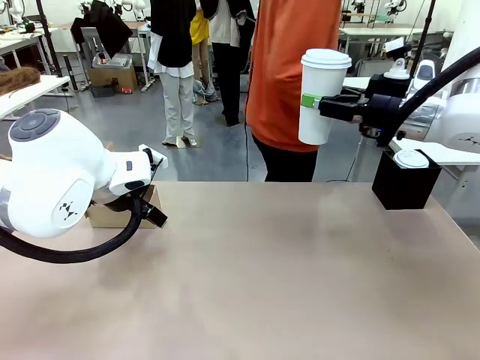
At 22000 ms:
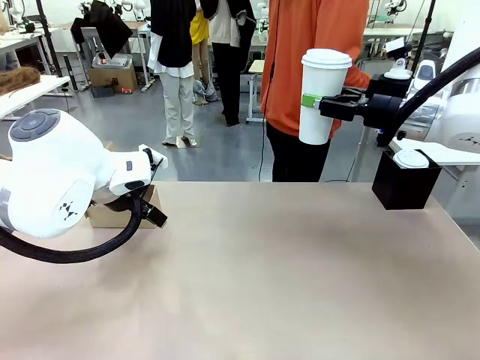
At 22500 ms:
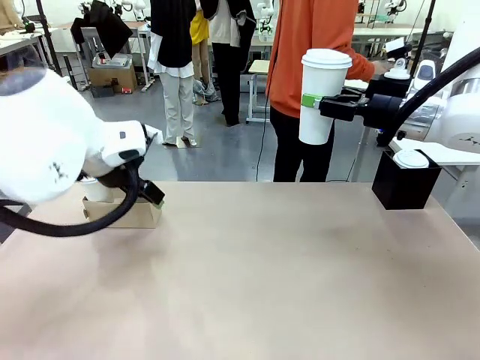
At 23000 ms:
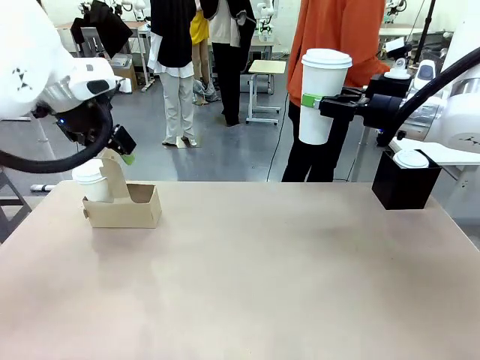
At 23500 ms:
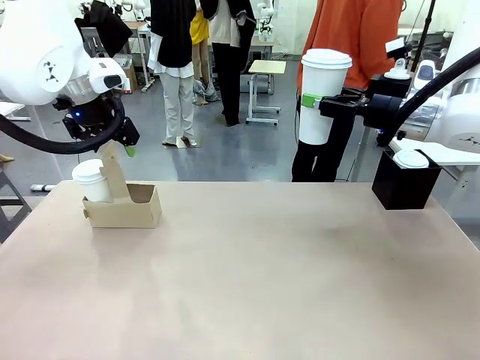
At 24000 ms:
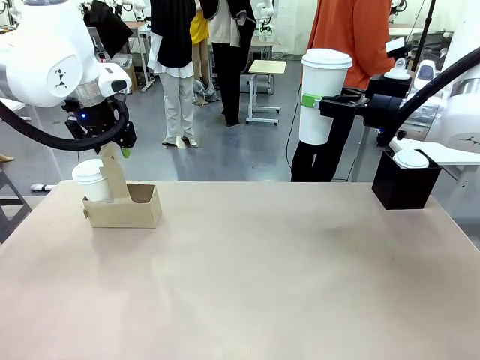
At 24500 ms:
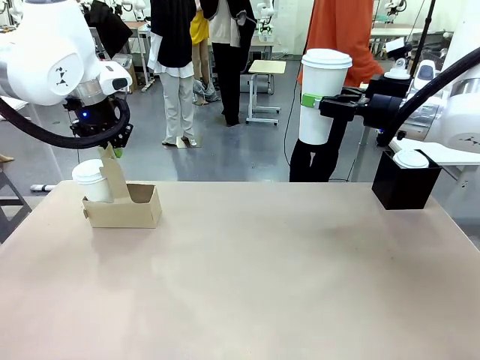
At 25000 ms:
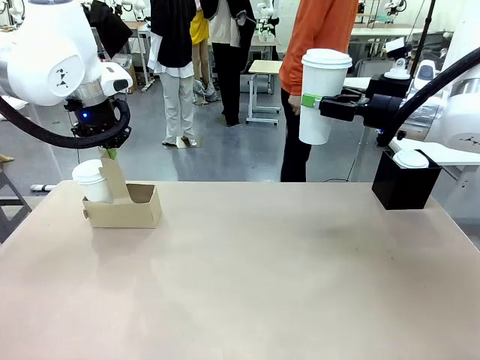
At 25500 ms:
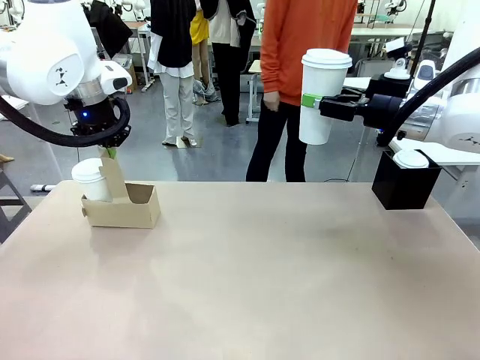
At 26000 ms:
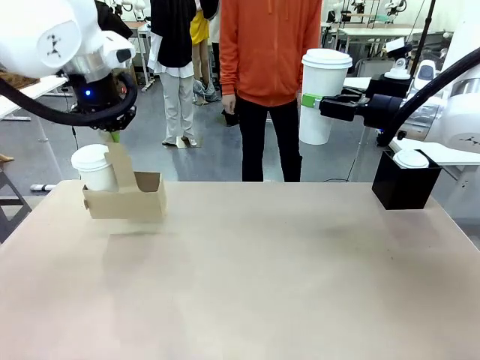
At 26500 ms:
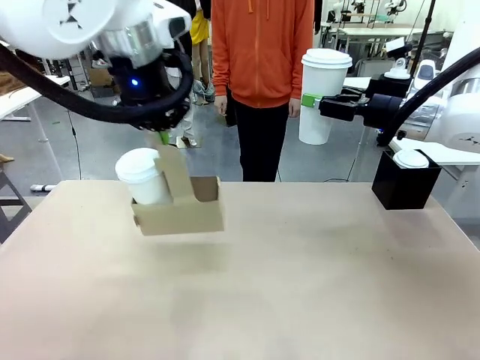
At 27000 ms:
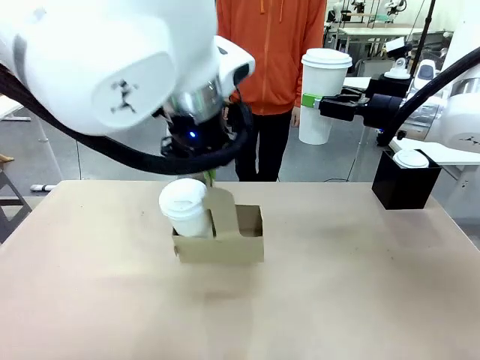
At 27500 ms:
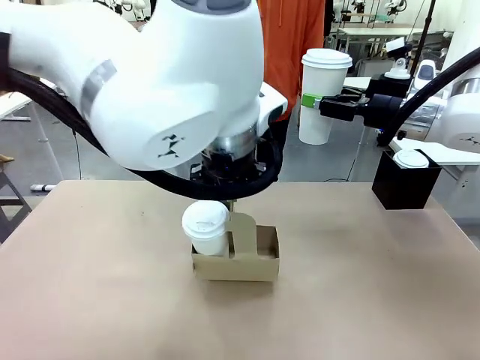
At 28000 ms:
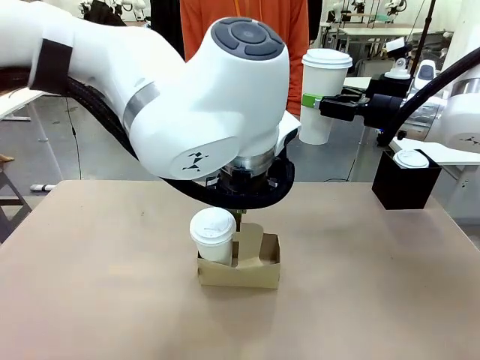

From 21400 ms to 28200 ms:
Task: Pour a drink into a cup and package it in a carrier.
Robot: Position the Cup Carrier in the center of the table.
Person: Pick up the Filter Brewing and place on the middle of Human table, and return to the Robot table.

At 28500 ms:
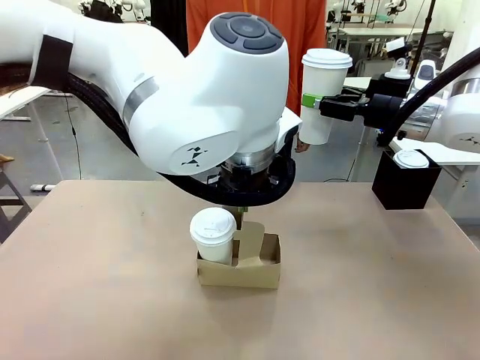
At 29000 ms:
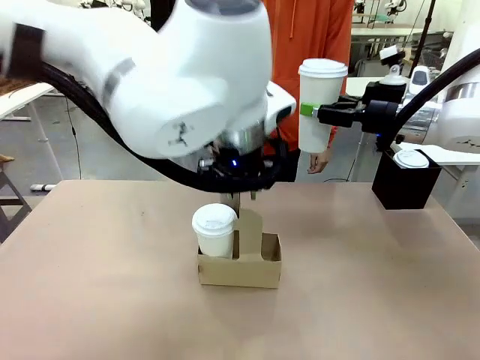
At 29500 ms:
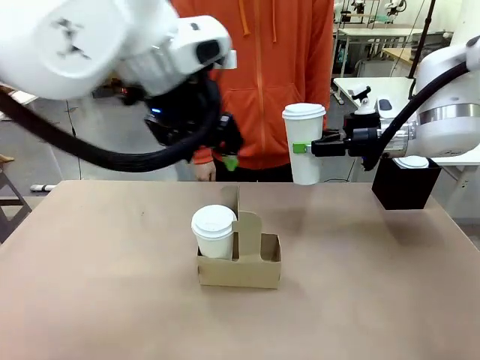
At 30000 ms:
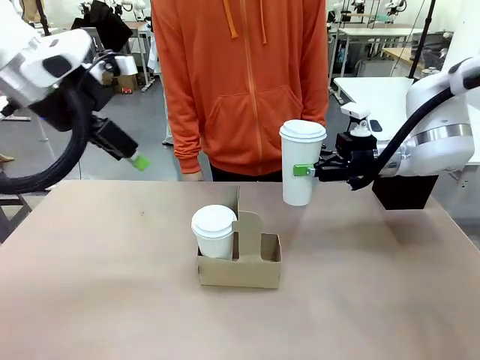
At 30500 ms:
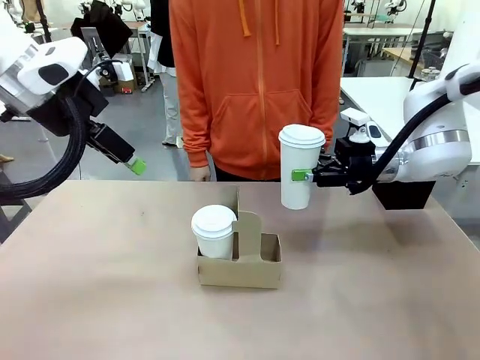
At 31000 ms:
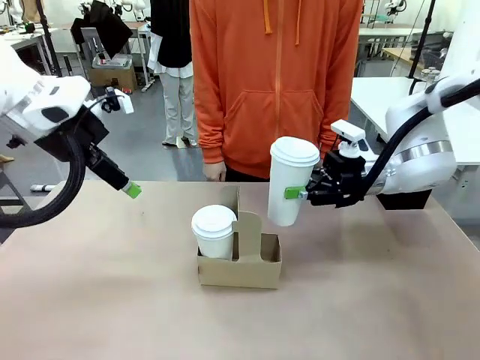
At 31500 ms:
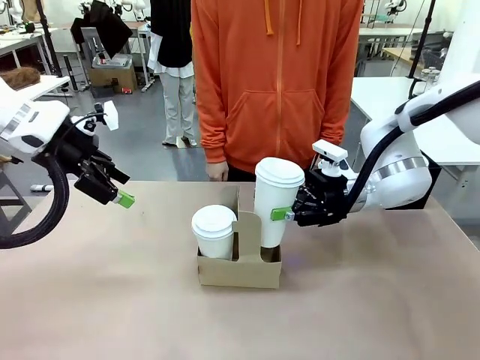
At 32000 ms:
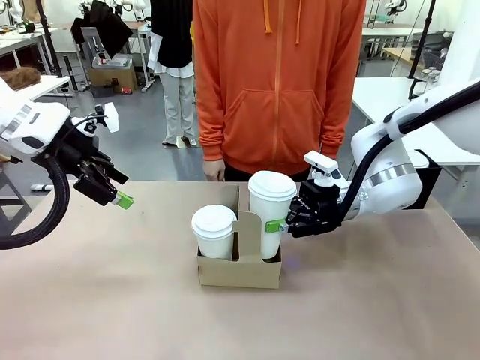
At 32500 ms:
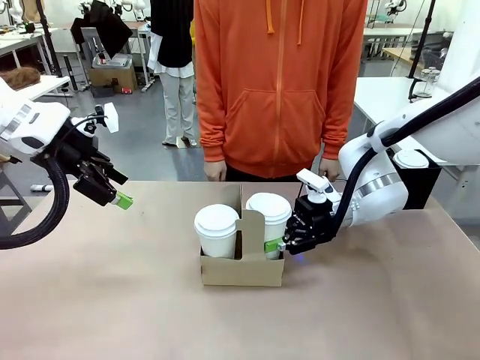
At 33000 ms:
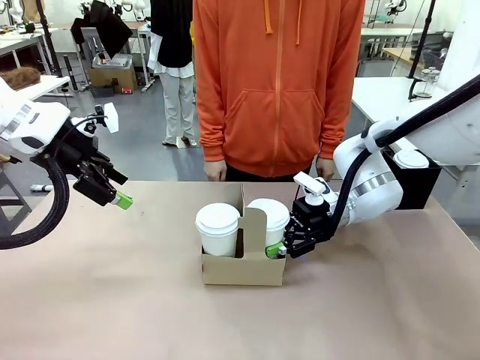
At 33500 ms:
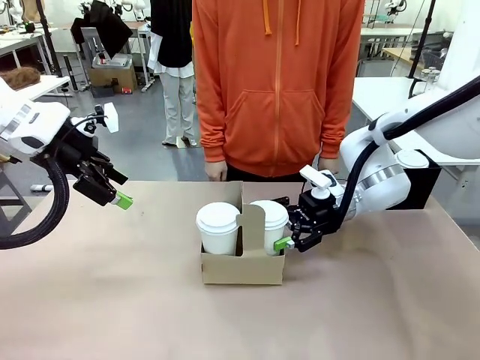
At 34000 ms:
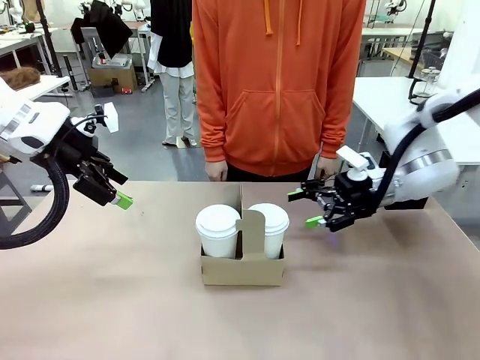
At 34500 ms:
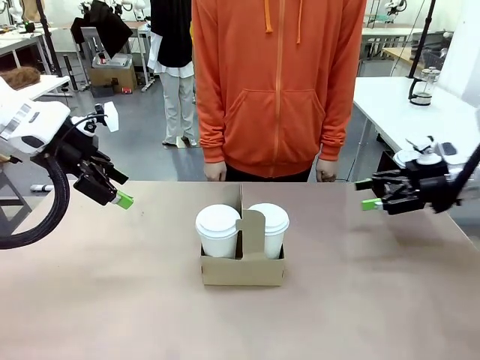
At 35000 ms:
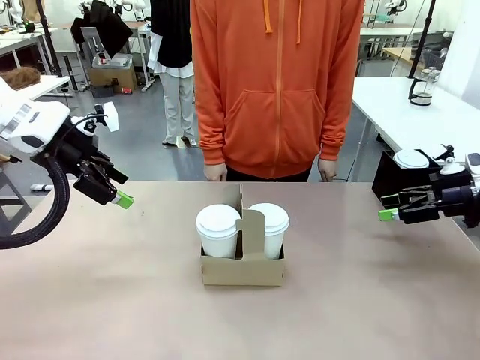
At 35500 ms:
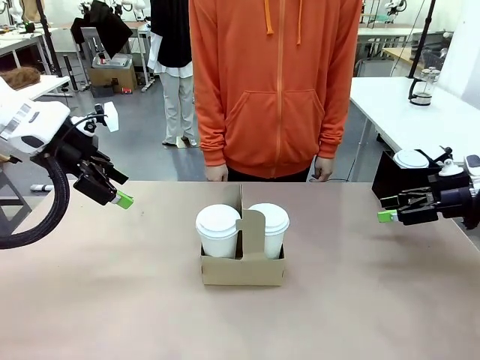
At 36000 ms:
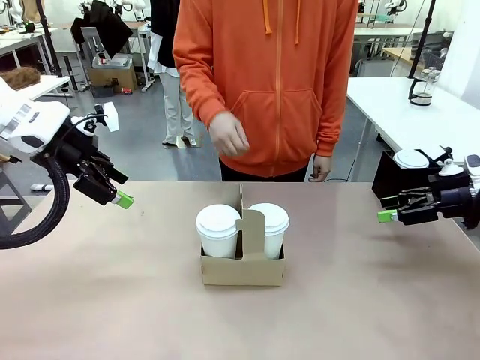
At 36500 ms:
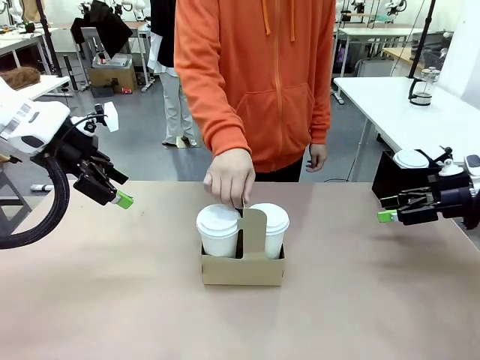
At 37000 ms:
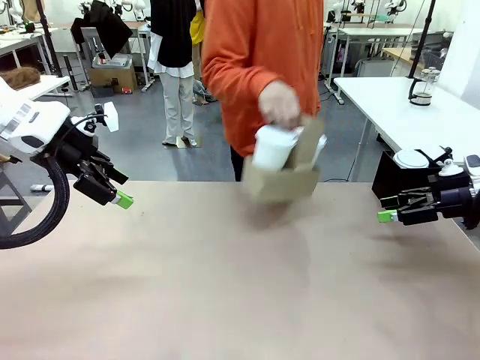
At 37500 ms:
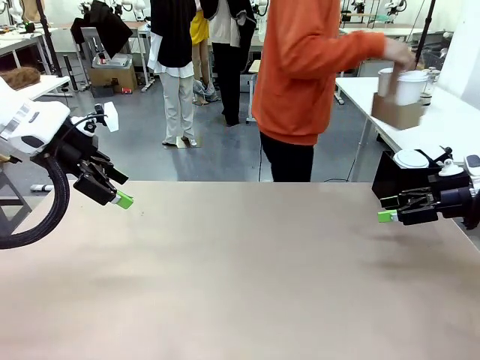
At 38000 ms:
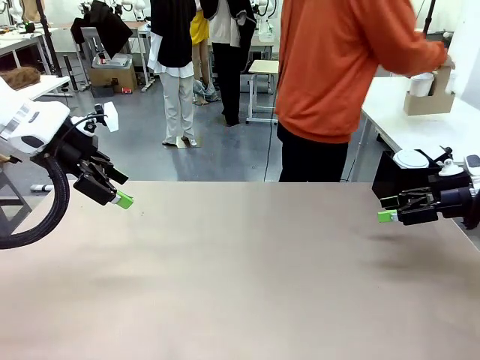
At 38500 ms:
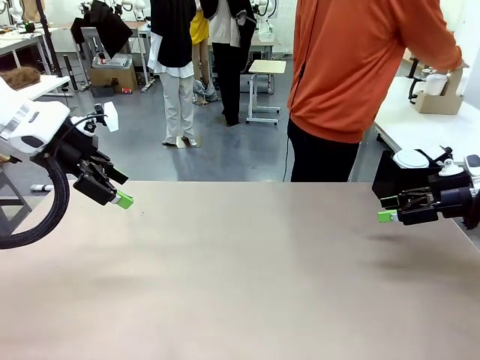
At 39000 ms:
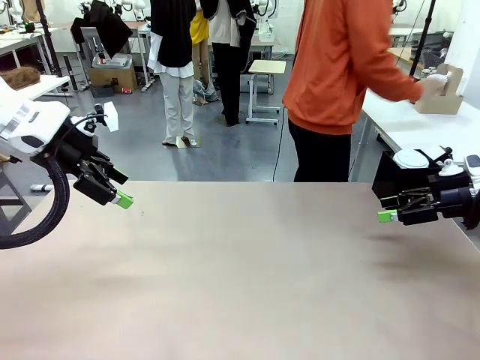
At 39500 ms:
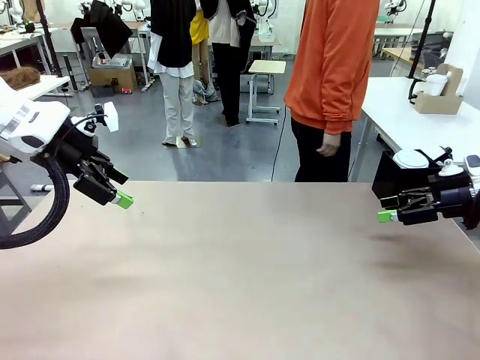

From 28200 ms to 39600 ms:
Robot: Insert the held 600 ml Paper Cup into the Cup Carrier.
Person: Place the Cup Carrier to the middle of Human table.

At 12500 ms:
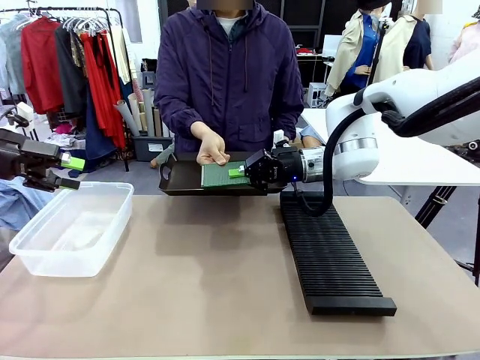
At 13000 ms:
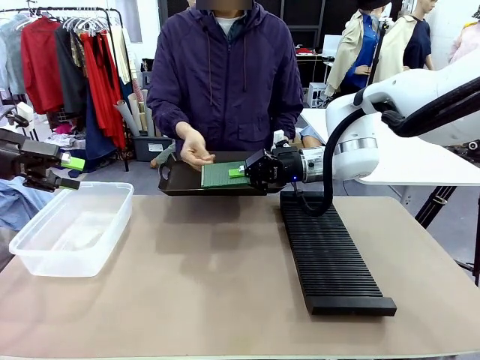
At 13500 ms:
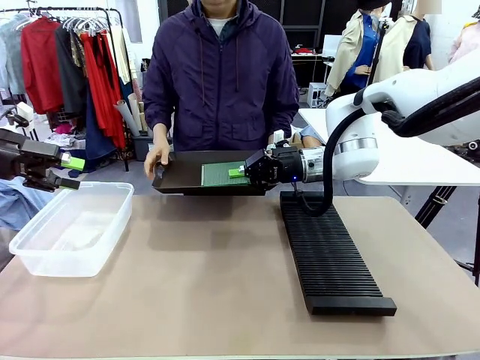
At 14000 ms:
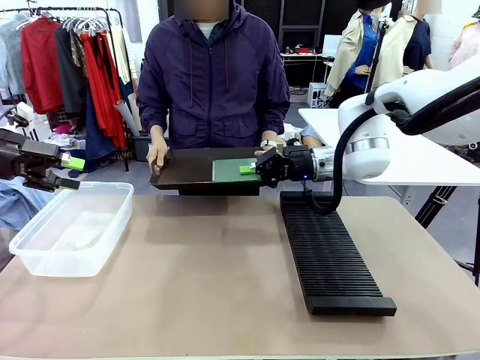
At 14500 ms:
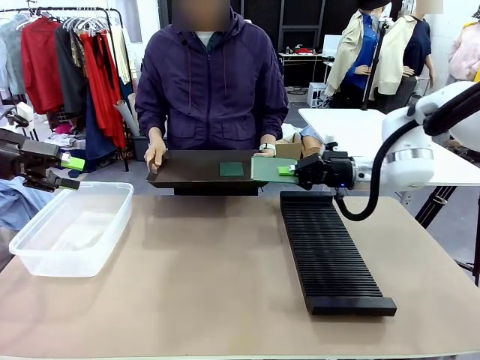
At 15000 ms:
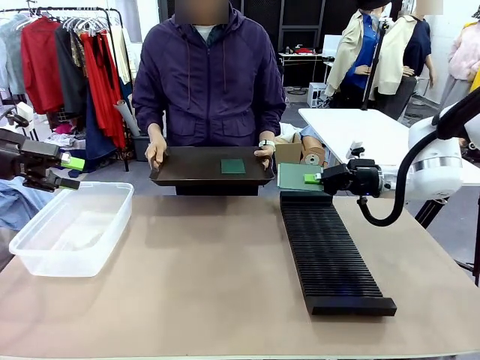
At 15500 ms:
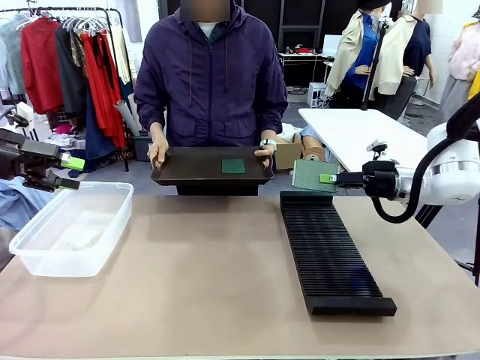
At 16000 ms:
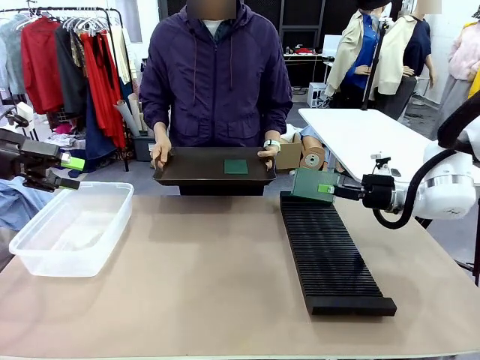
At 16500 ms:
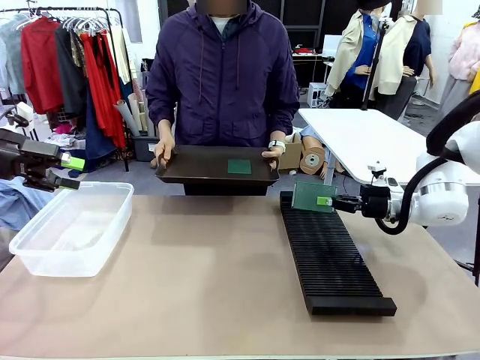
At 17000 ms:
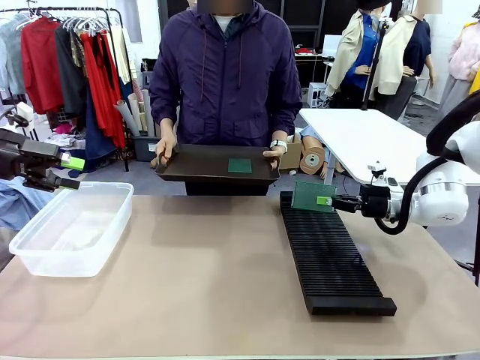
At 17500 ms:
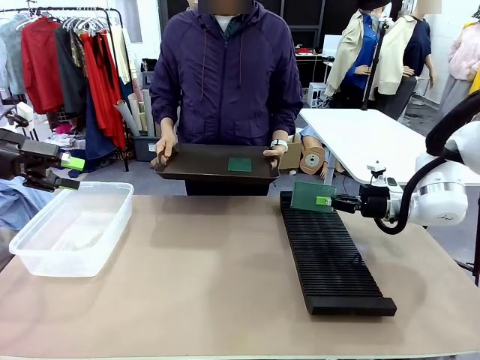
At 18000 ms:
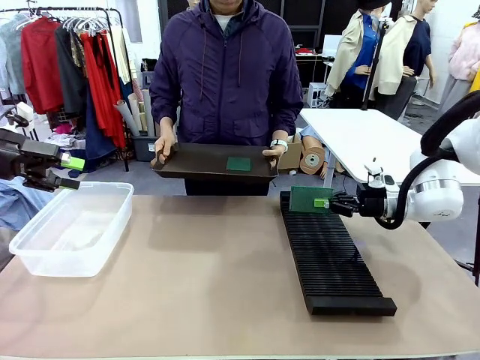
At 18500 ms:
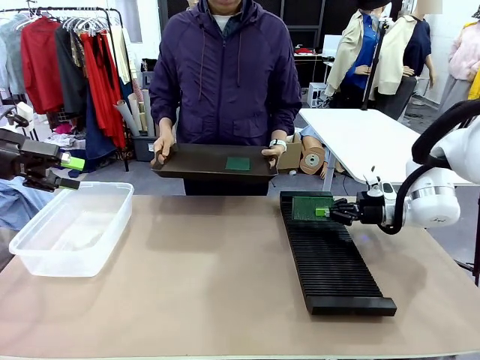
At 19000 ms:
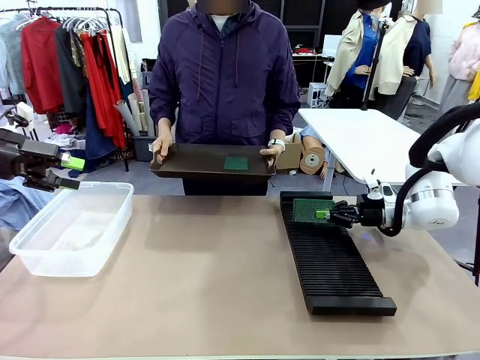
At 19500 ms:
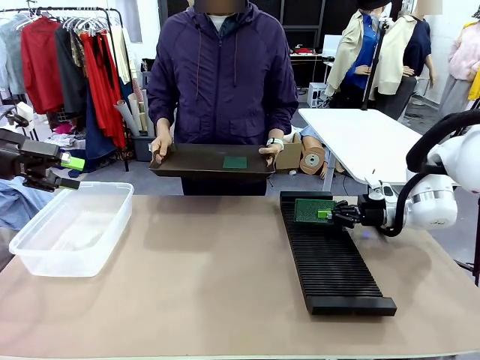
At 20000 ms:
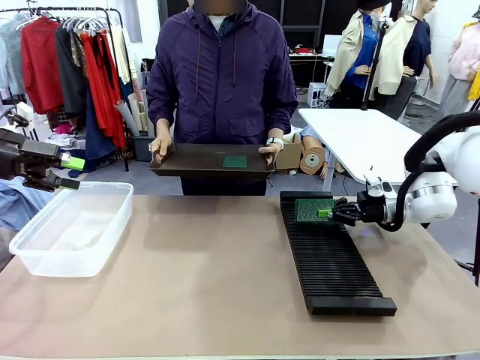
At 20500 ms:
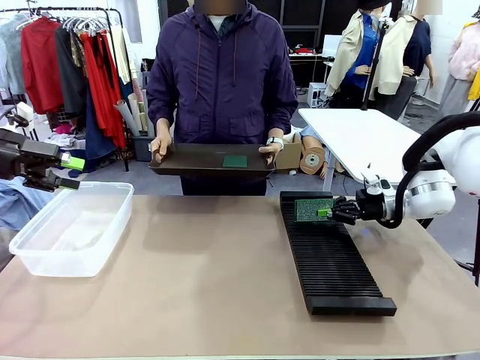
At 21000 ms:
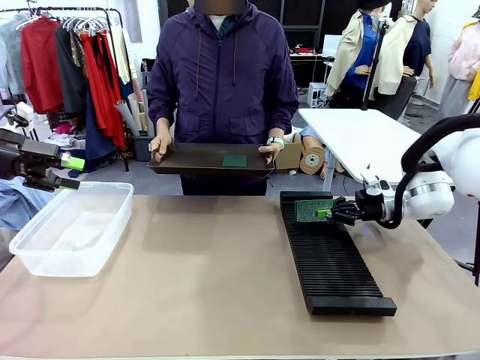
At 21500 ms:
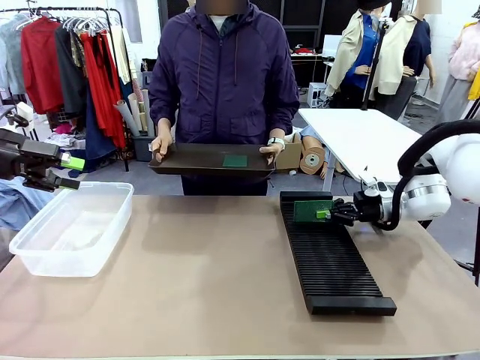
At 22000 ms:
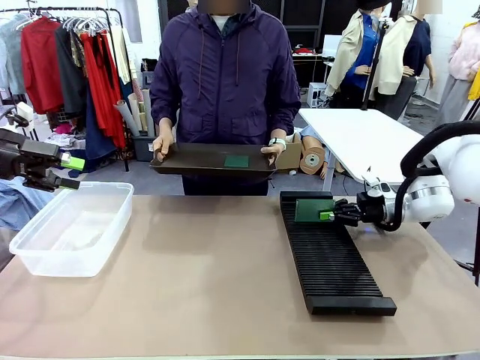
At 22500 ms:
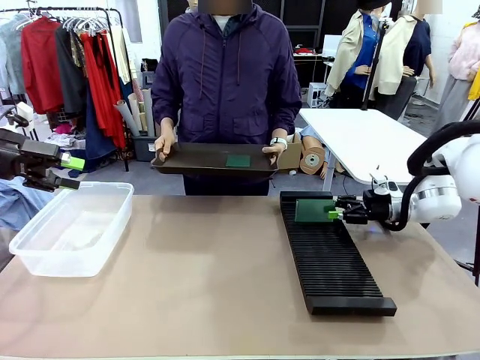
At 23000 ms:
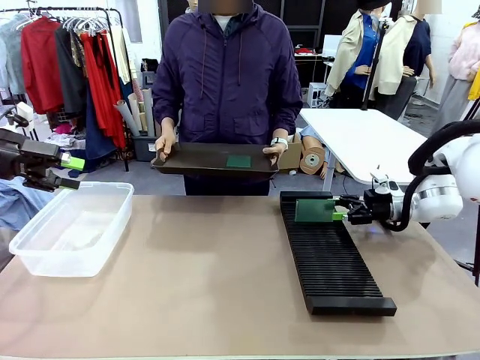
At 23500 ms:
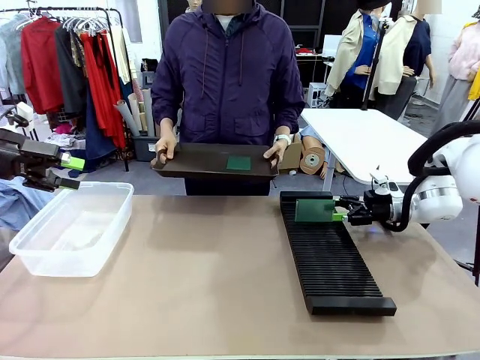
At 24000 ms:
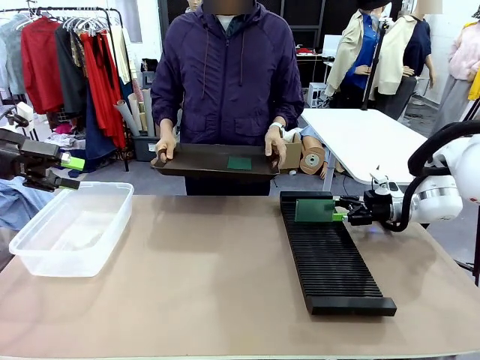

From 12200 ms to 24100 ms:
Task: Sort PCBs into racks and boxes based on the side picked up.
Robot: If the short side of the Blank PCB is picked up, insert it into the PCB Rack ; if the long side is picked up, place it in the Organizing box.
Person: Pick one PCB from the tray and present it to the robot.
